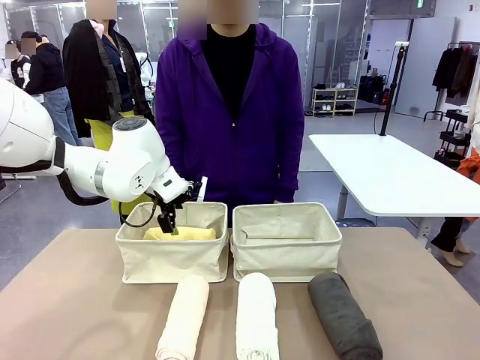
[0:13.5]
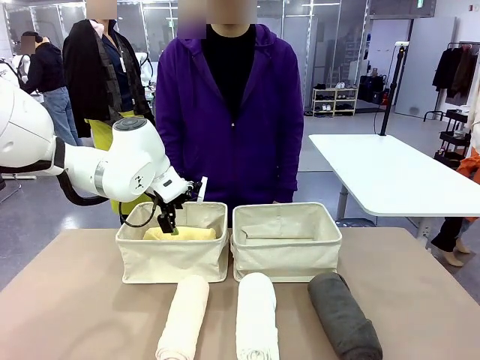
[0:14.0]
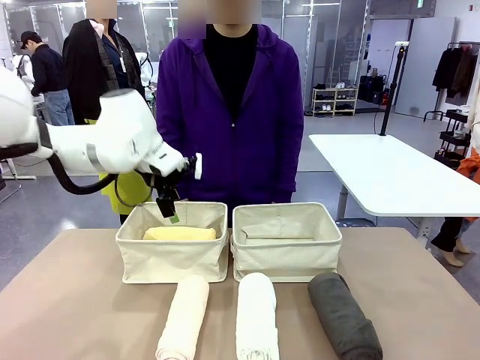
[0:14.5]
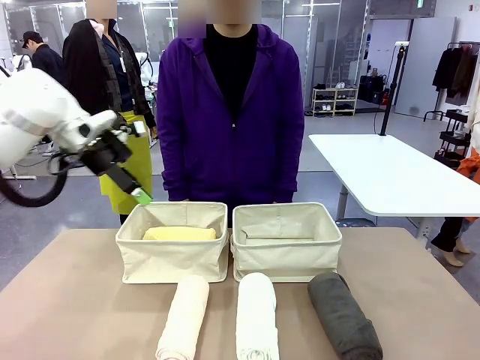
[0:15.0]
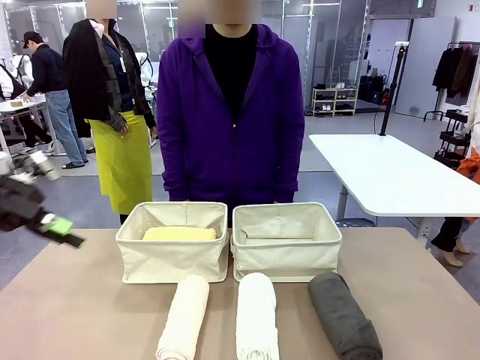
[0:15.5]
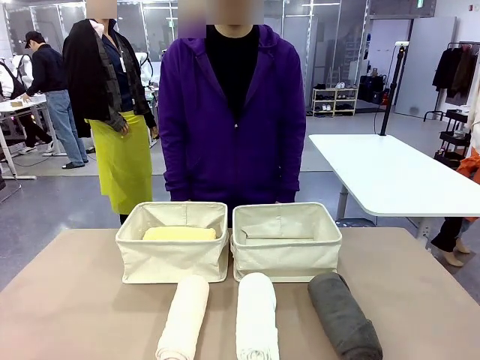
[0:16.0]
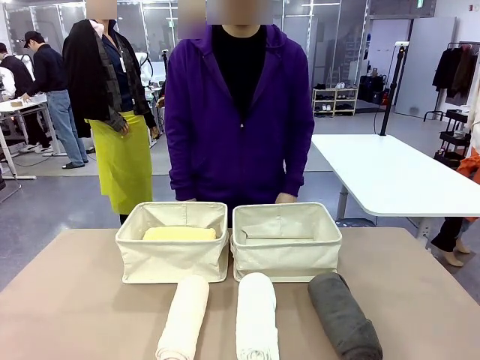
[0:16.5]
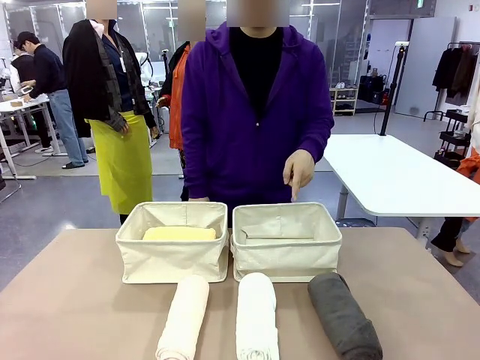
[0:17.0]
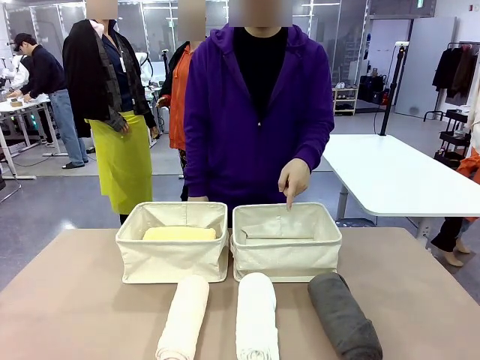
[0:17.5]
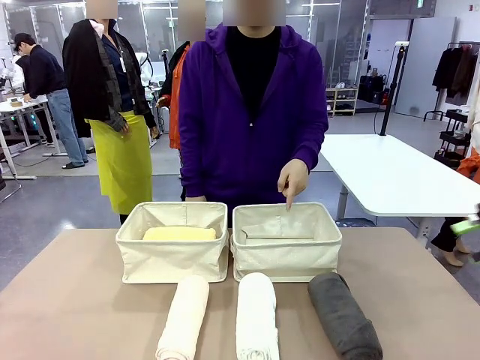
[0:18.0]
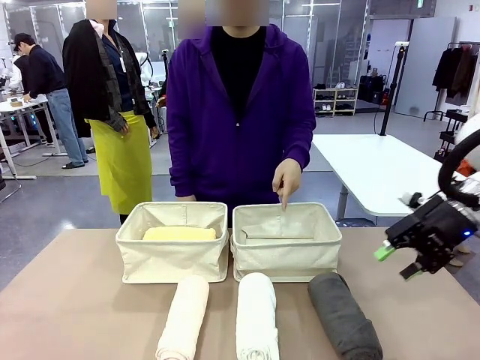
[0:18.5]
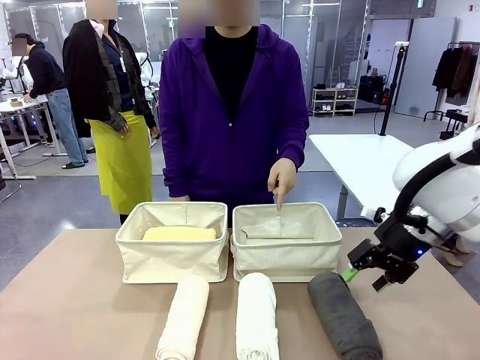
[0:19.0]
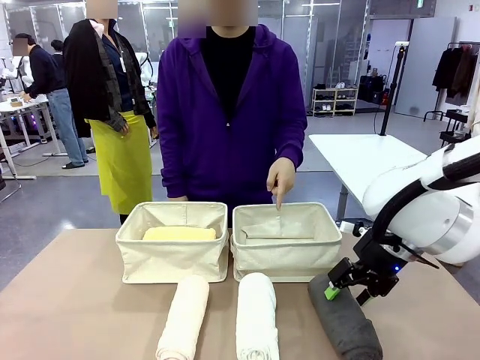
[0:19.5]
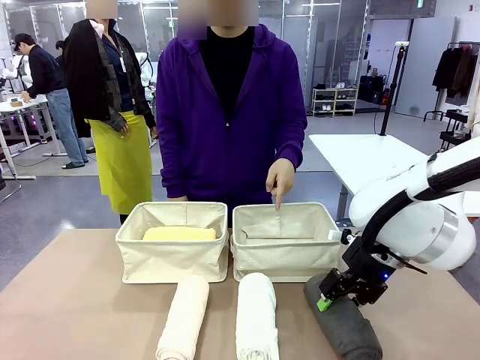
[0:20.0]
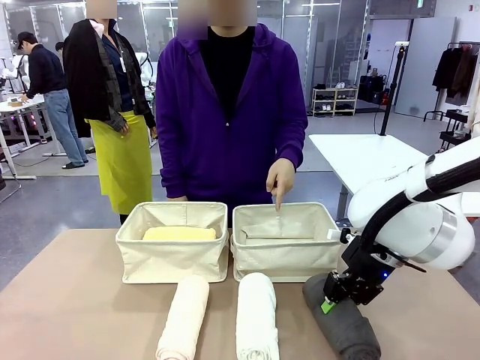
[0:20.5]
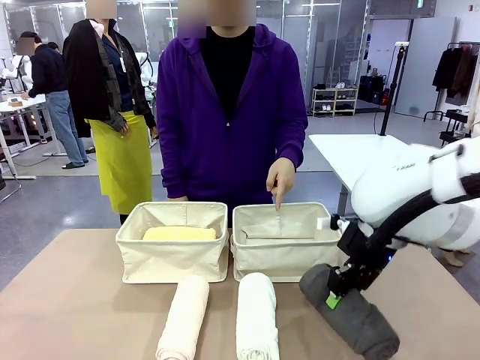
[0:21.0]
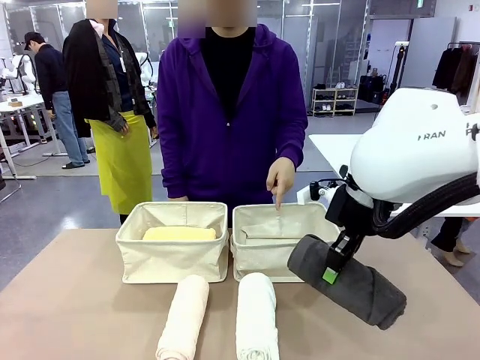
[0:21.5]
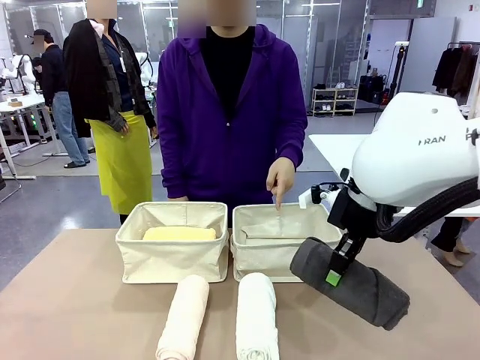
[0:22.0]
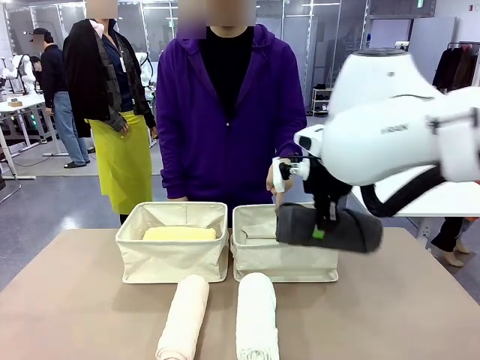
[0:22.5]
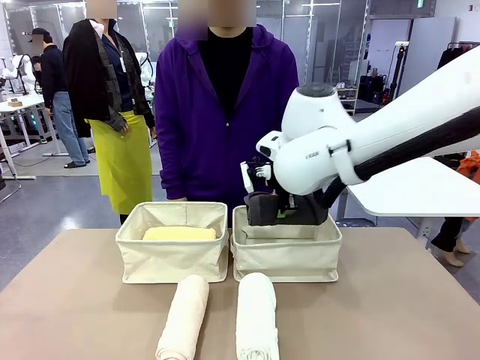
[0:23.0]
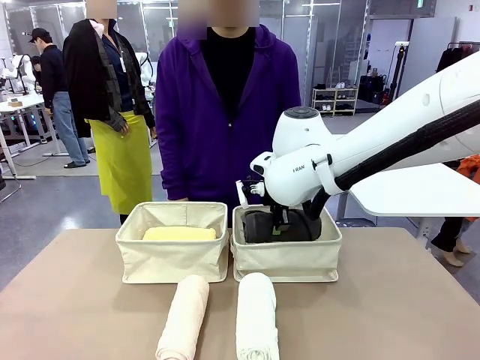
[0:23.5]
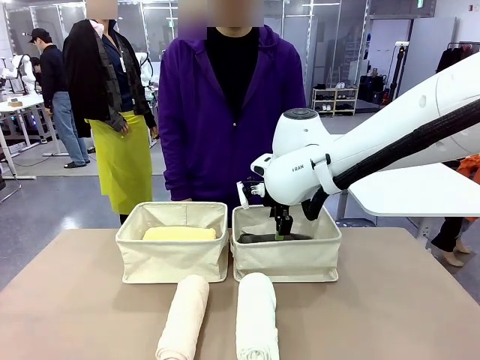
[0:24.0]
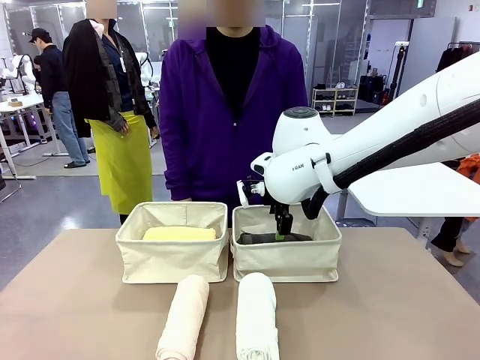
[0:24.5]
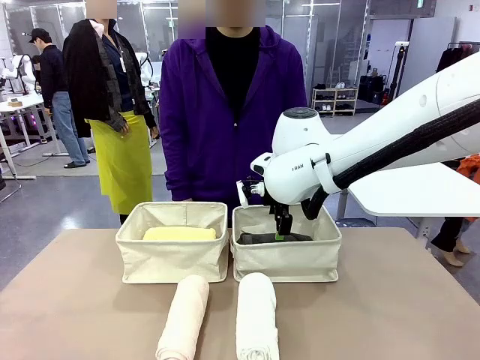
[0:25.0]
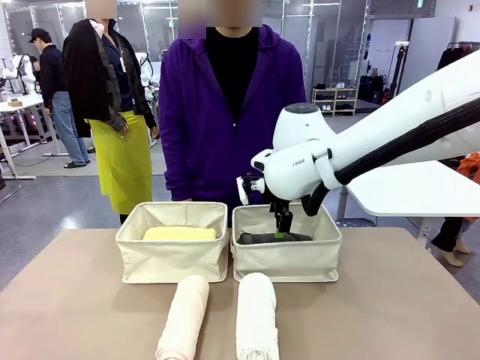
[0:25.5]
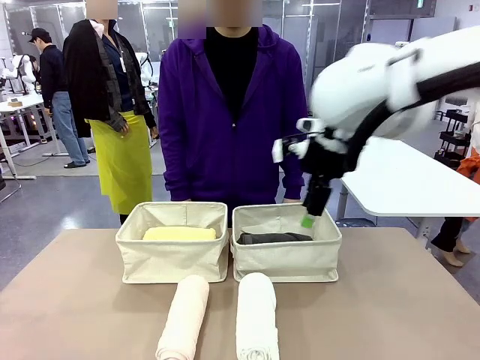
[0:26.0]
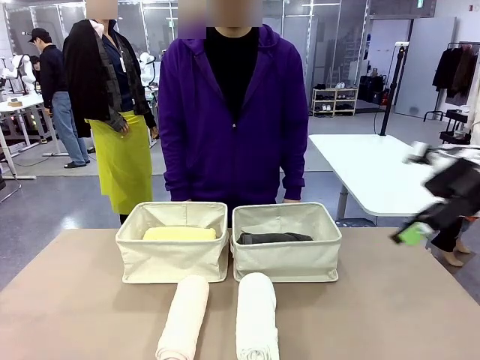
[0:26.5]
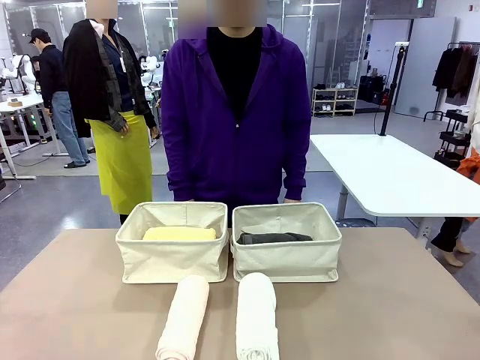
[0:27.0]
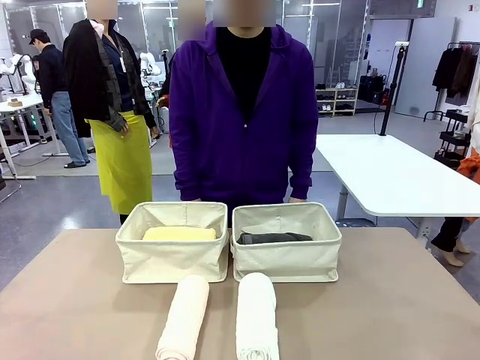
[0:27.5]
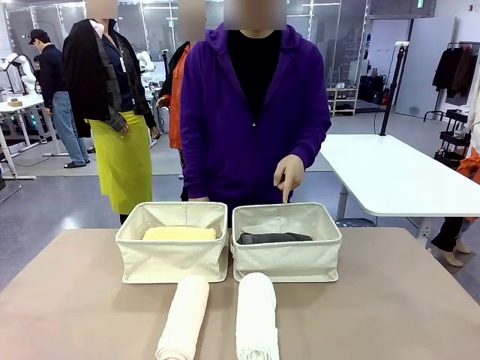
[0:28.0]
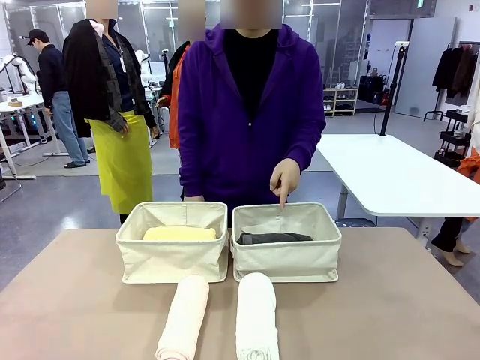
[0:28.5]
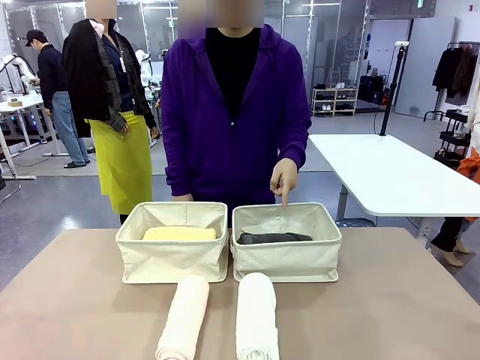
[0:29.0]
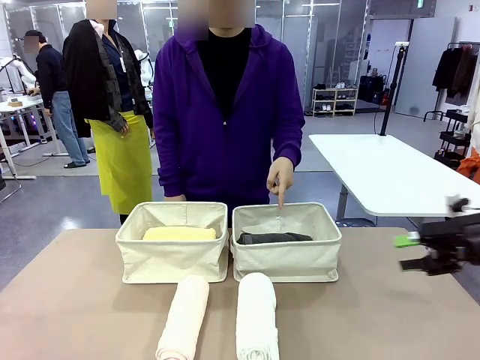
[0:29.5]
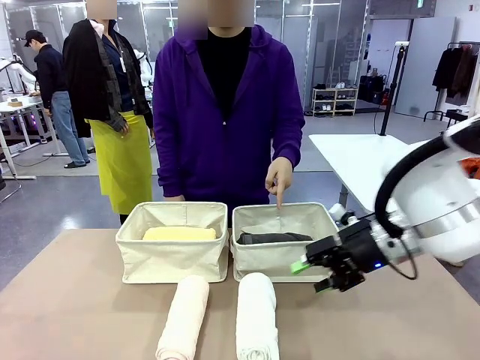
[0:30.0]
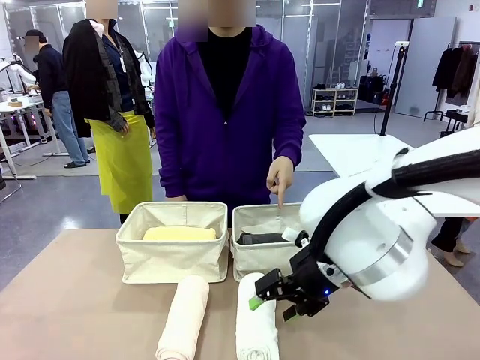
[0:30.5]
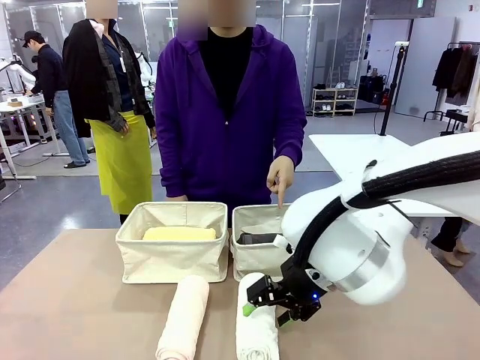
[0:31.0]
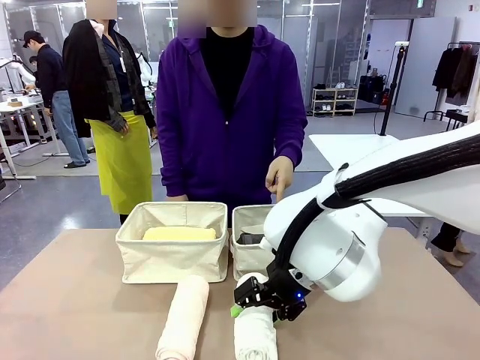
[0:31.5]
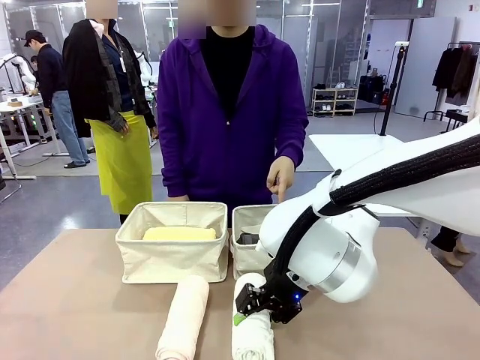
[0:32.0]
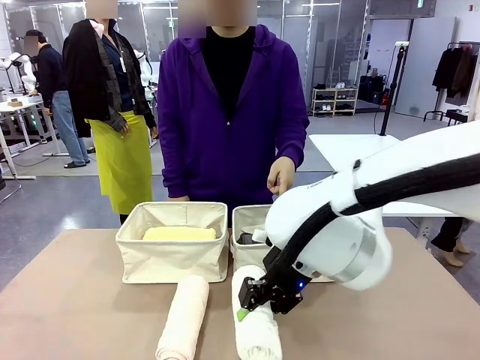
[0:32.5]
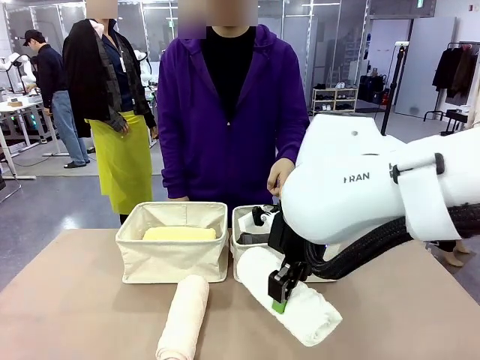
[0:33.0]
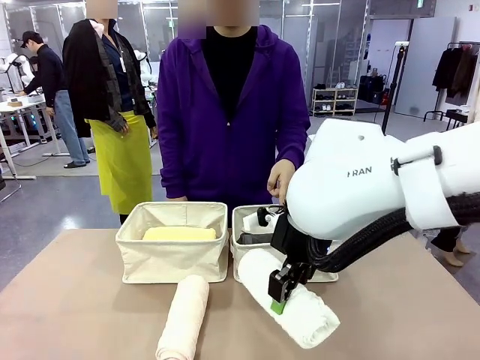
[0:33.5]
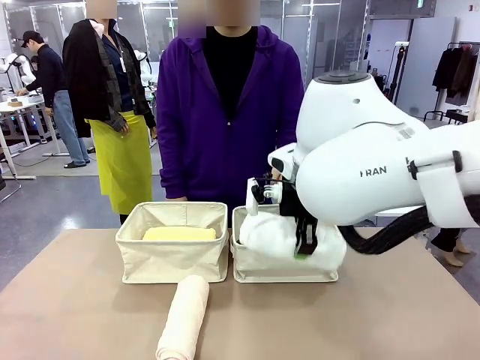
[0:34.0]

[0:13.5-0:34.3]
Task: Divide the towels into two baskets.
Robot: Pick up one hotel-folded towel from the bottom of the table and place it in the Fabric basket indicated by the person.

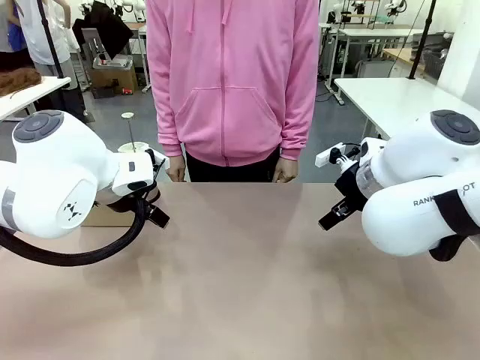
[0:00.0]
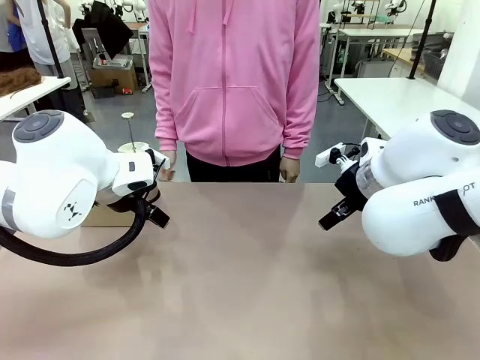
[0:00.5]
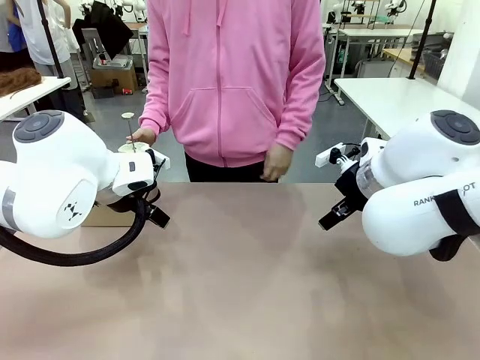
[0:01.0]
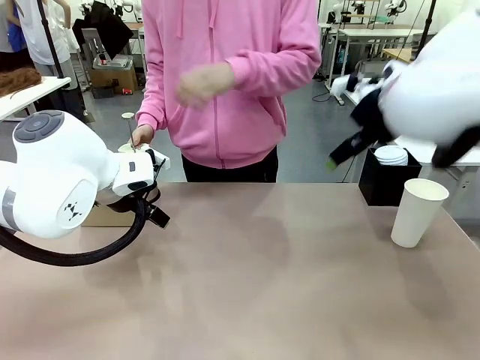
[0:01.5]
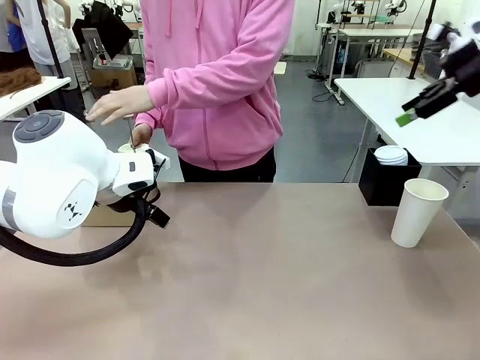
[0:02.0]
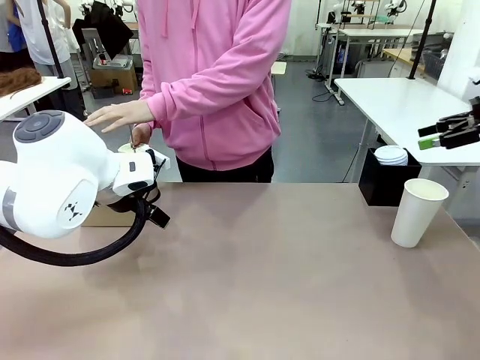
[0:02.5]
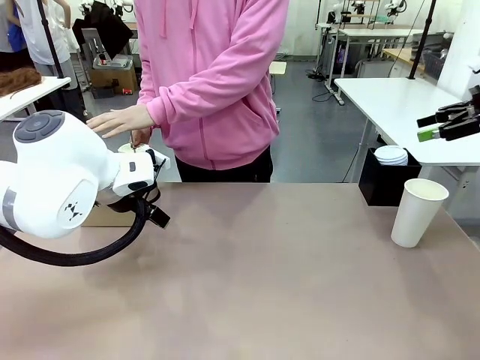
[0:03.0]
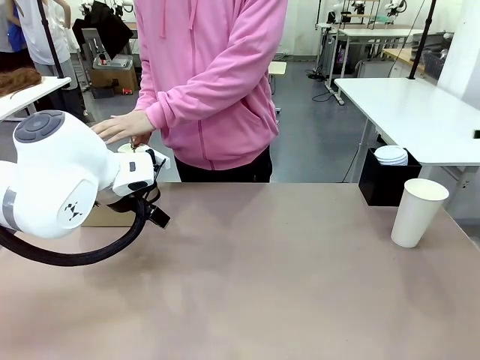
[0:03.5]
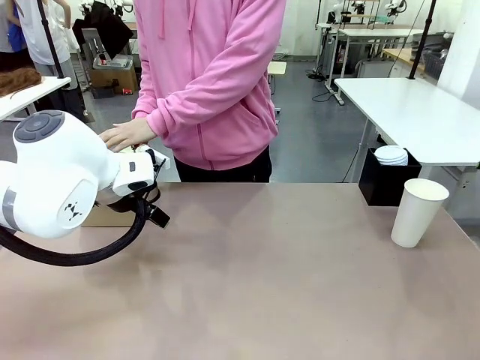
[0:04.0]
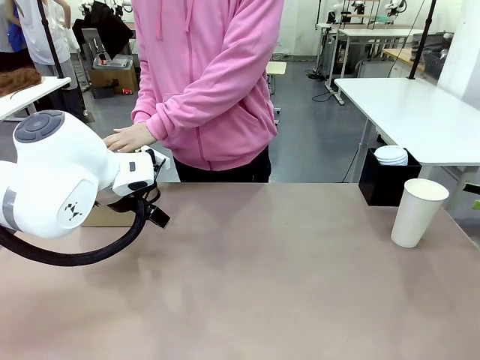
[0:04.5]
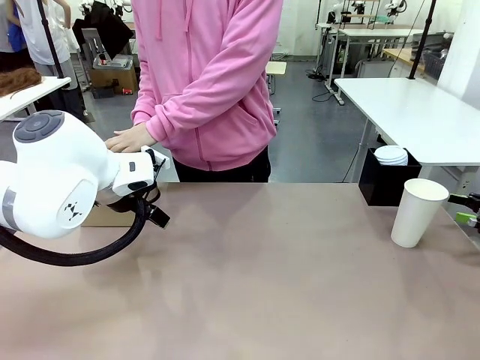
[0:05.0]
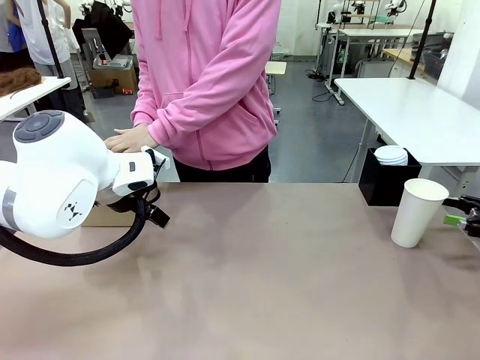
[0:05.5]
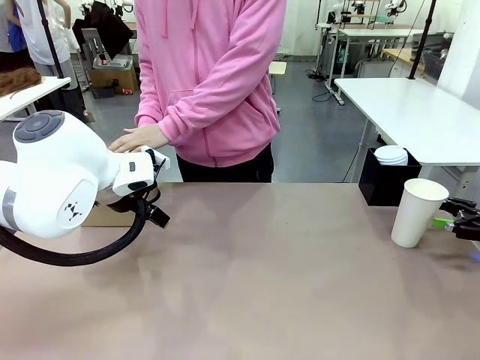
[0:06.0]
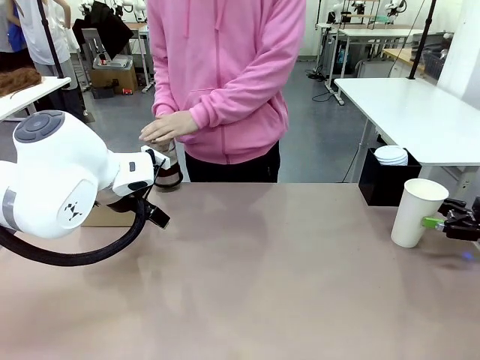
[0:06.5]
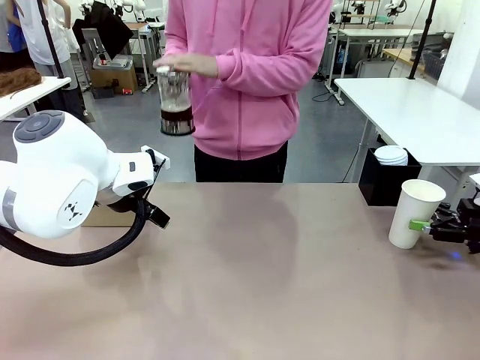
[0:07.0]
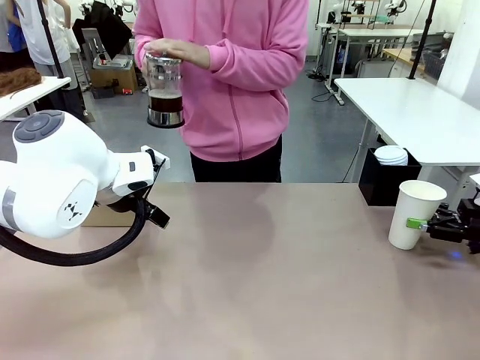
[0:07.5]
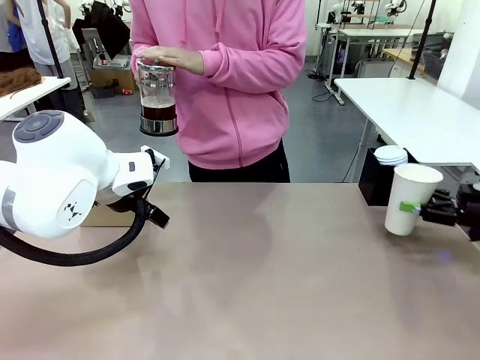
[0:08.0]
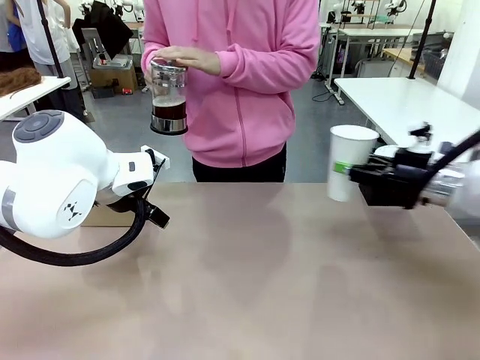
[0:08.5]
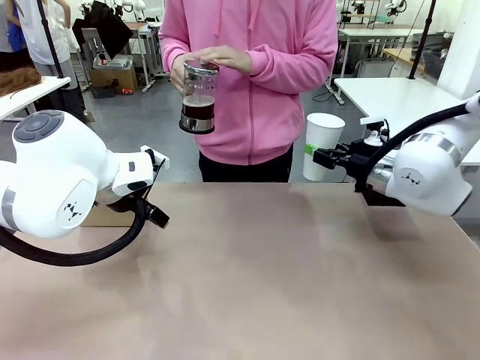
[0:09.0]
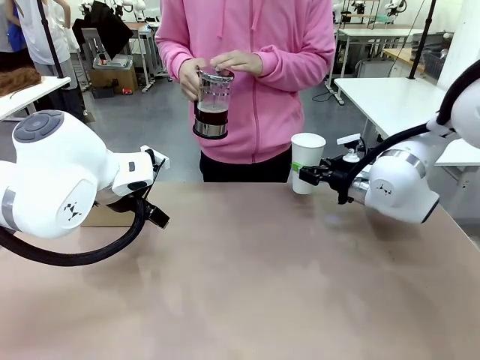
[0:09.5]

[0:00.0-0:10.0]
Task: Pour a drink into a cup and package it in a carrier.
Robot: Pick up the 600 ml Paper Cup and place it in the middle top area of the table.
Person: Press and pick up the Filter Brewing.
